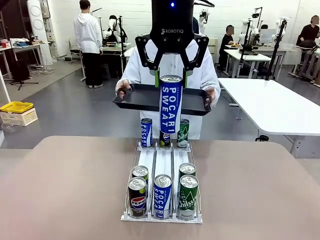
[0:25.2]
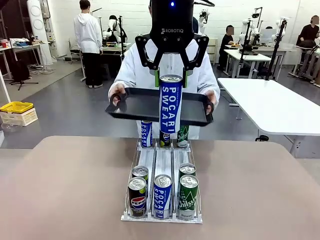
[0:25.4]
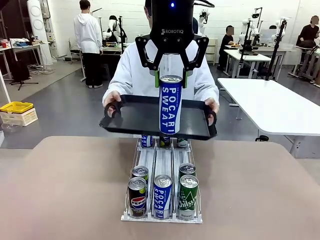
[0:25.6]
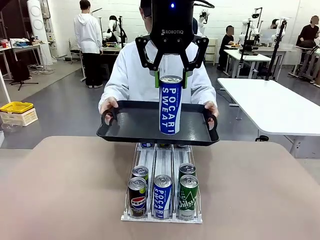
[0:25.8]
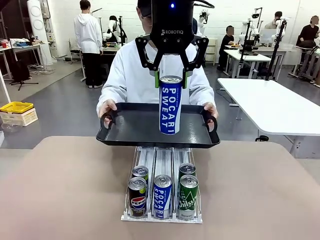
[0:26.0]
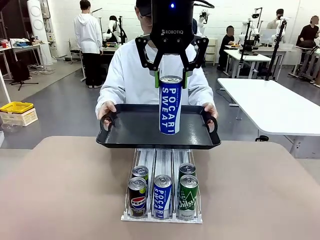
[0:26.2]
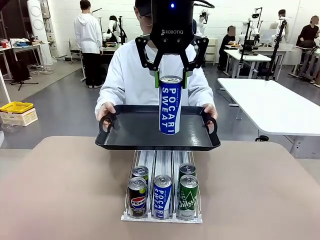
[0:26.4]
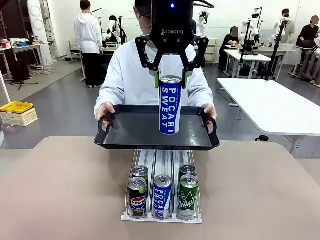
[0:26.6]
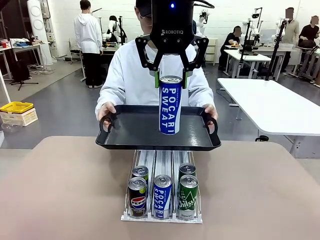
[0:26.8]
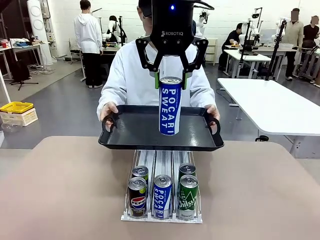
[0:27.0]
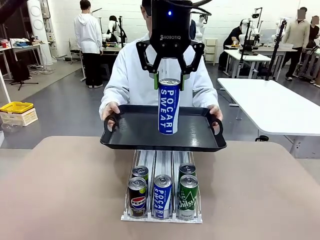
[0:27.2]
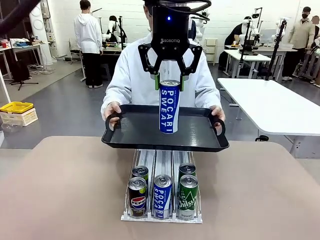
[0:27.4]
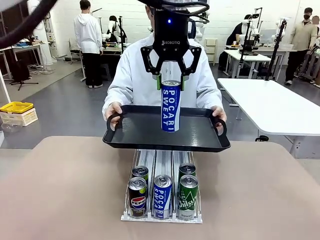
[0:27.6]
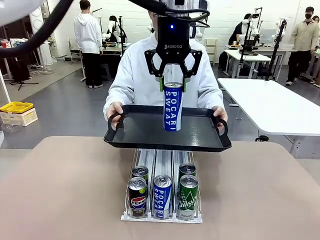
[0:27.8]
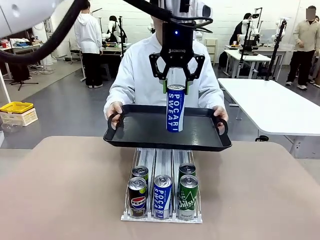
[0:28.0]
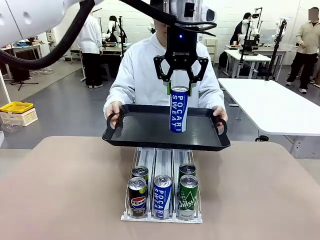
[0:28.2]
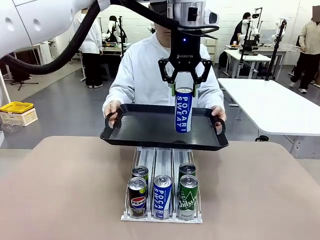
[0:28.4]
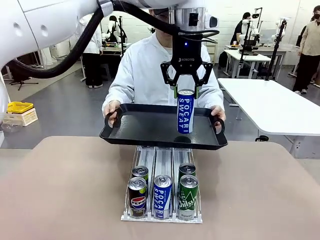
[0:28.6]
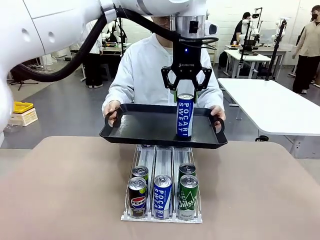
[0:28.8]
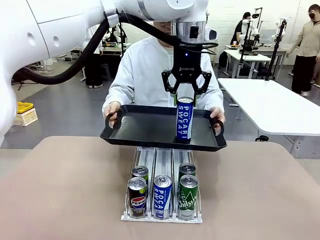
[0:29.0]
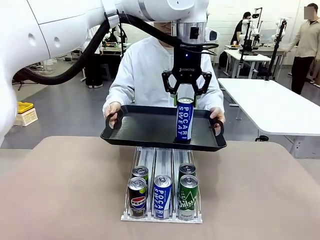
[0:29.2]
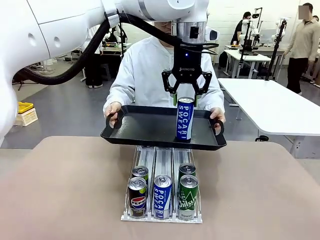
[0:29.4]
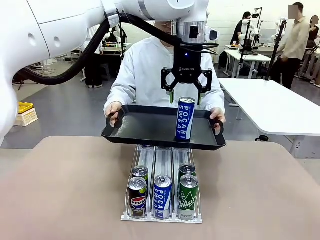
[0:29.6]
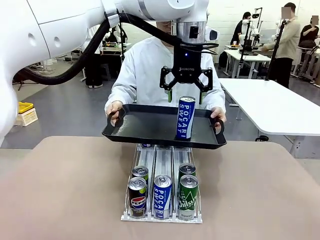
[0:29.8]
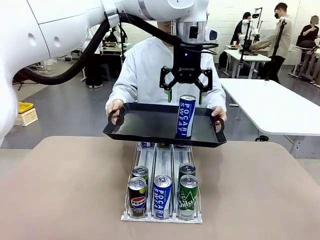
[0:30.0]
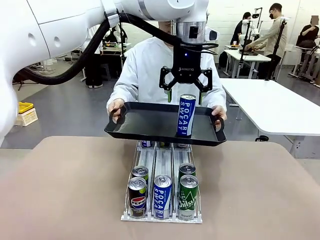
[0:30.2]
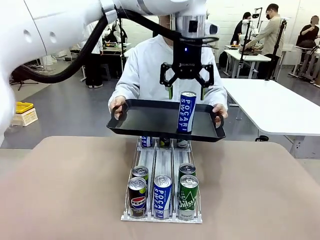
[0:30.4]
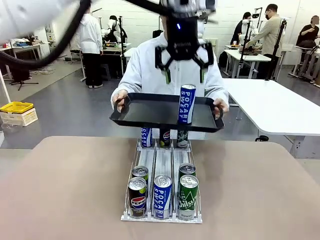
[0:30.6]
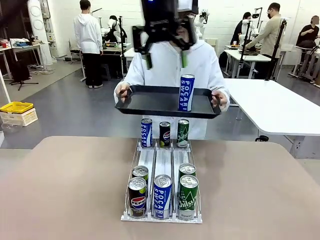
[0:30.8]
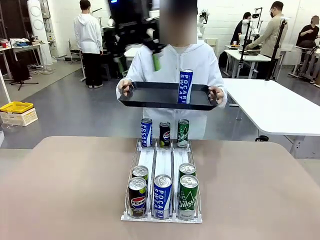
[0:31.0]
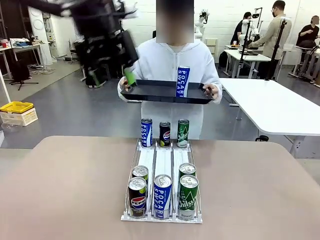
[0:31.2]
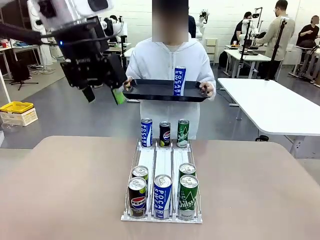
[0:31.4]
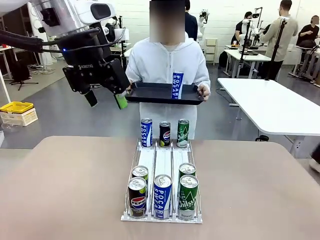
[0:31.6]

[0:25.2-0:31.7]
Task: Retrieve and hand over the desired beverage to the person.
Robot: Place the picked can on the Handle tray extended by the person.

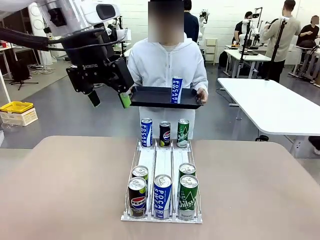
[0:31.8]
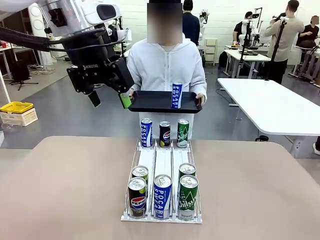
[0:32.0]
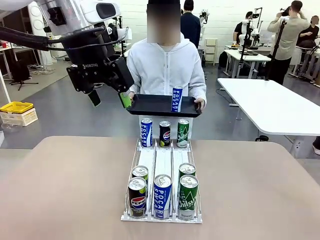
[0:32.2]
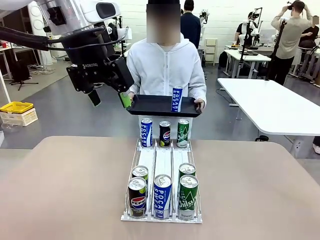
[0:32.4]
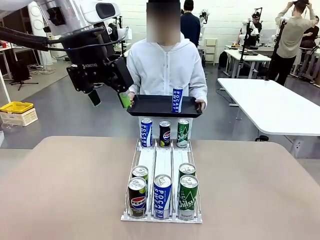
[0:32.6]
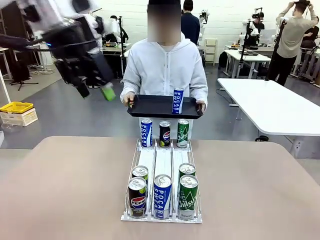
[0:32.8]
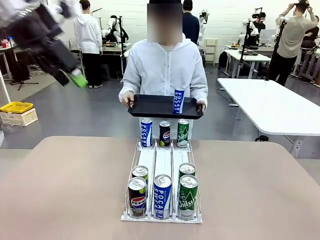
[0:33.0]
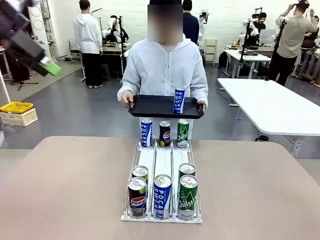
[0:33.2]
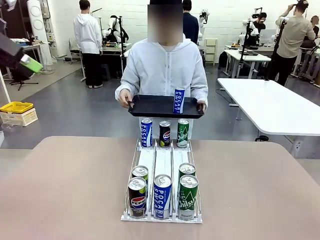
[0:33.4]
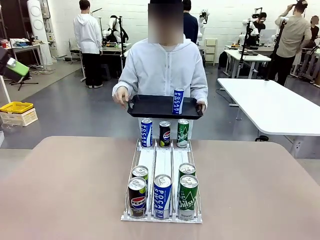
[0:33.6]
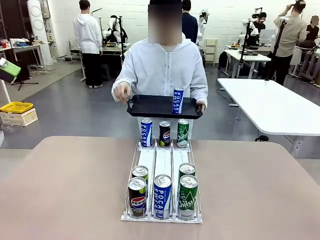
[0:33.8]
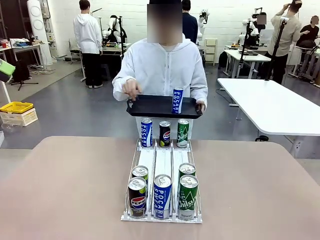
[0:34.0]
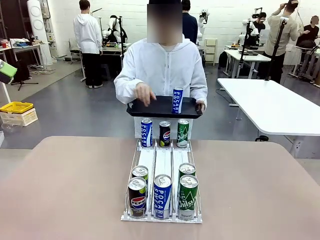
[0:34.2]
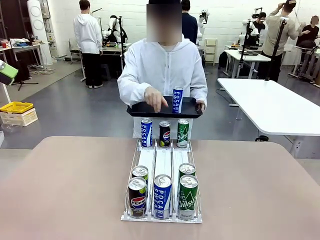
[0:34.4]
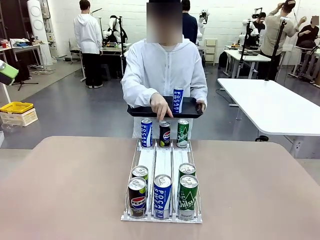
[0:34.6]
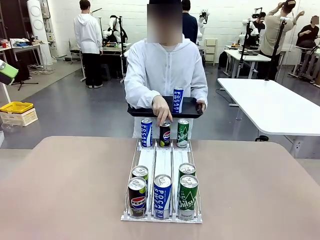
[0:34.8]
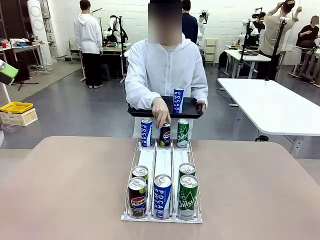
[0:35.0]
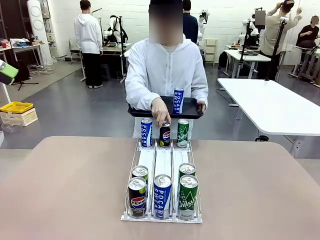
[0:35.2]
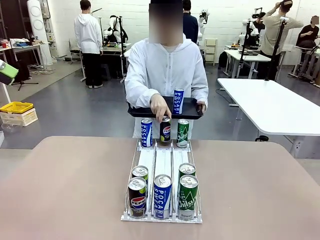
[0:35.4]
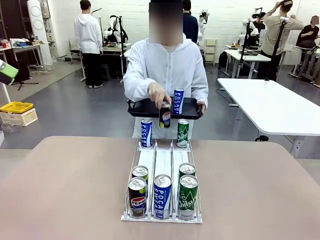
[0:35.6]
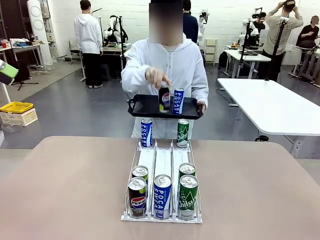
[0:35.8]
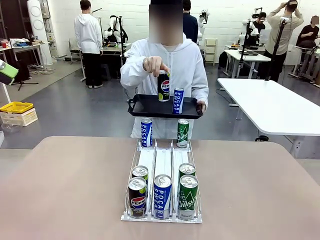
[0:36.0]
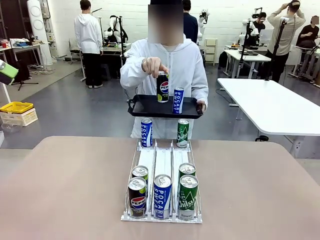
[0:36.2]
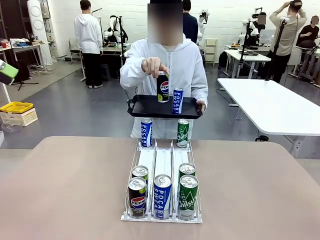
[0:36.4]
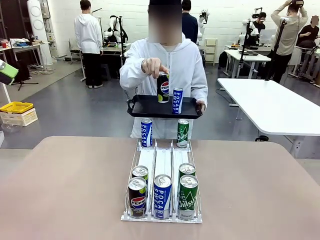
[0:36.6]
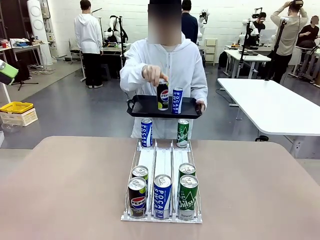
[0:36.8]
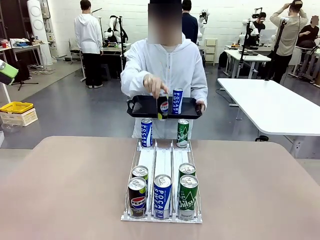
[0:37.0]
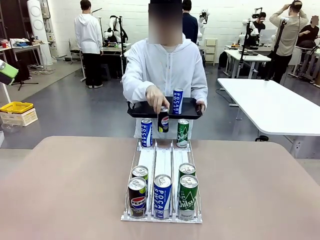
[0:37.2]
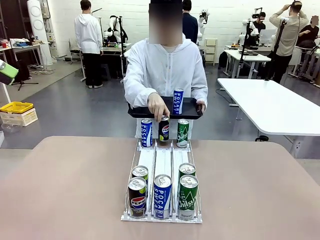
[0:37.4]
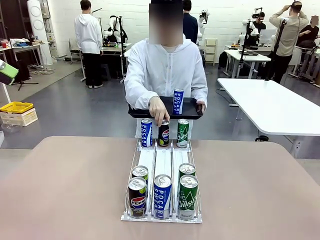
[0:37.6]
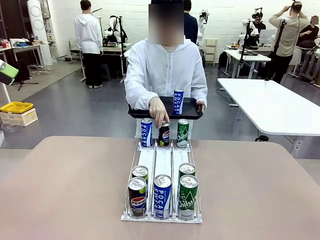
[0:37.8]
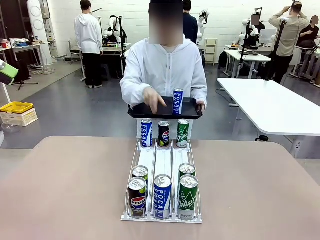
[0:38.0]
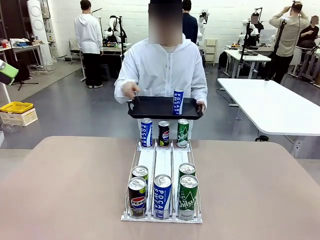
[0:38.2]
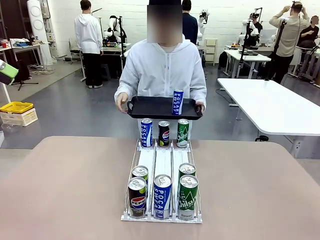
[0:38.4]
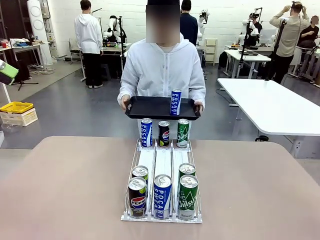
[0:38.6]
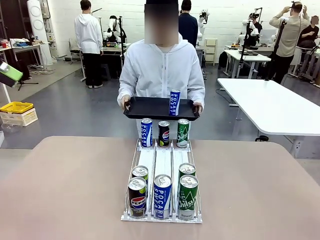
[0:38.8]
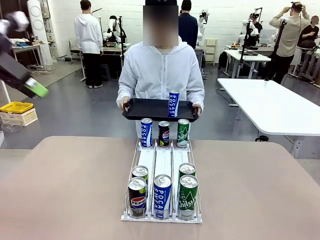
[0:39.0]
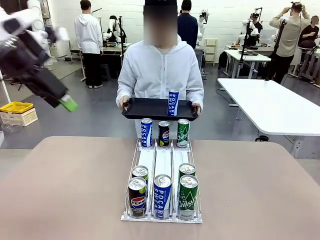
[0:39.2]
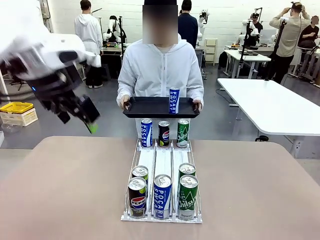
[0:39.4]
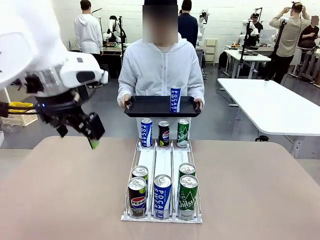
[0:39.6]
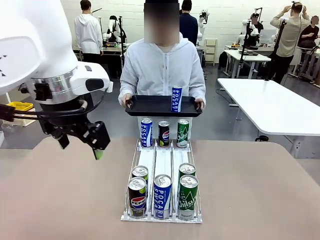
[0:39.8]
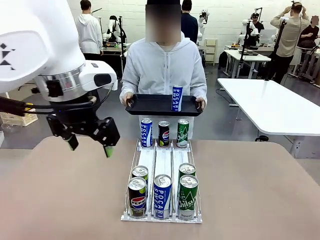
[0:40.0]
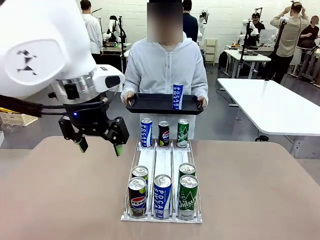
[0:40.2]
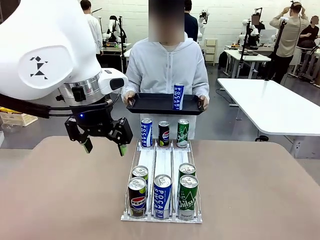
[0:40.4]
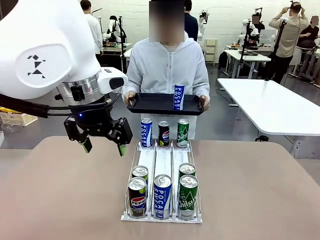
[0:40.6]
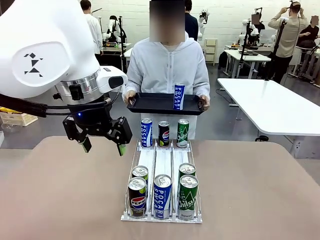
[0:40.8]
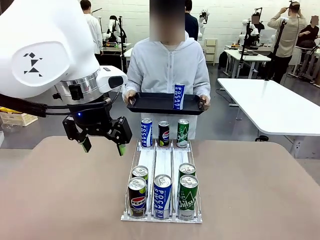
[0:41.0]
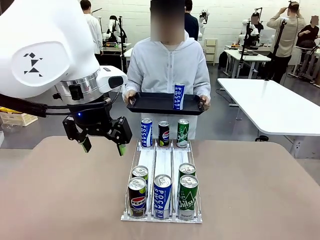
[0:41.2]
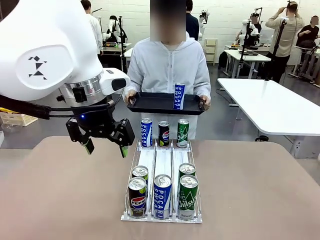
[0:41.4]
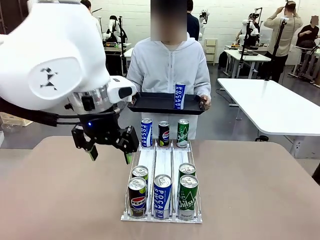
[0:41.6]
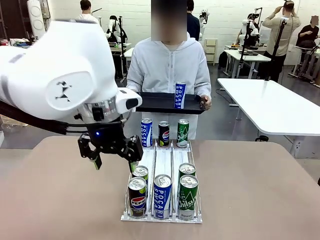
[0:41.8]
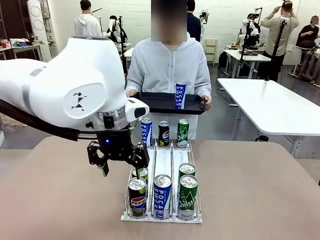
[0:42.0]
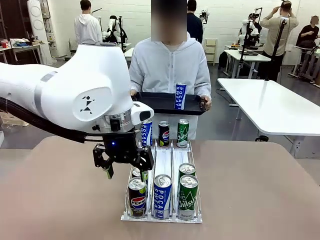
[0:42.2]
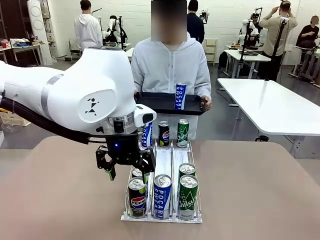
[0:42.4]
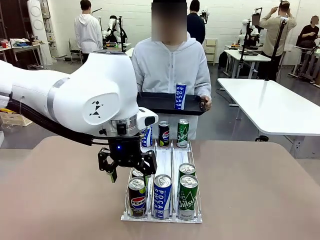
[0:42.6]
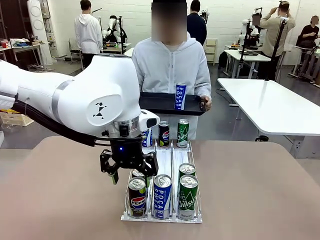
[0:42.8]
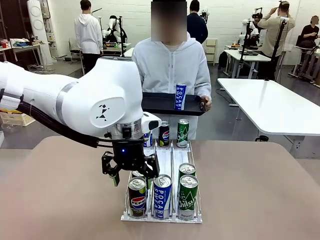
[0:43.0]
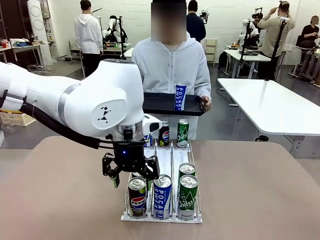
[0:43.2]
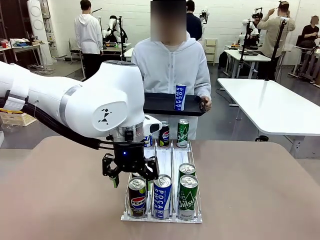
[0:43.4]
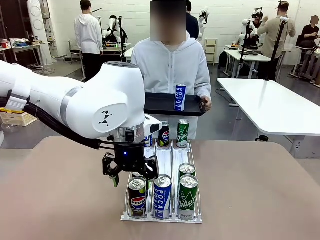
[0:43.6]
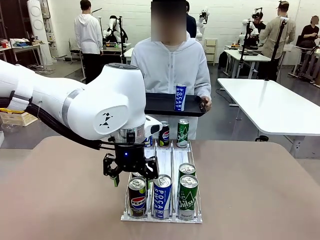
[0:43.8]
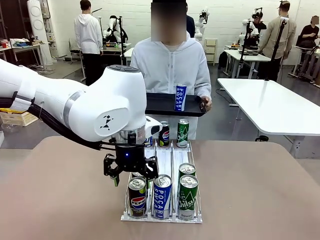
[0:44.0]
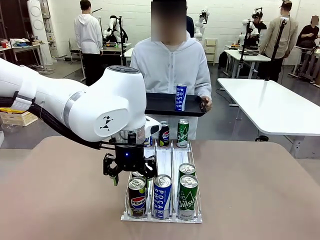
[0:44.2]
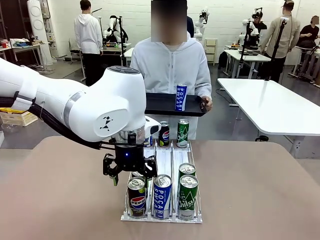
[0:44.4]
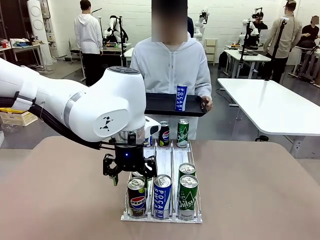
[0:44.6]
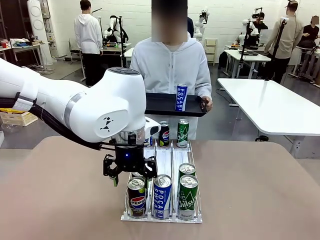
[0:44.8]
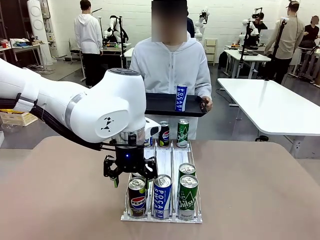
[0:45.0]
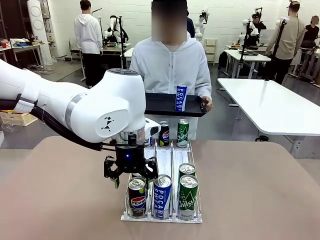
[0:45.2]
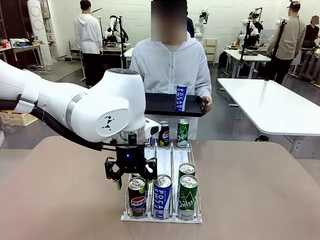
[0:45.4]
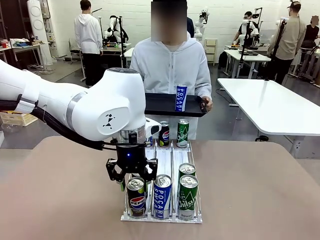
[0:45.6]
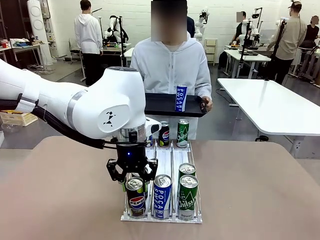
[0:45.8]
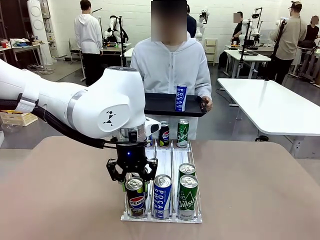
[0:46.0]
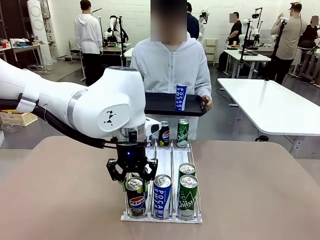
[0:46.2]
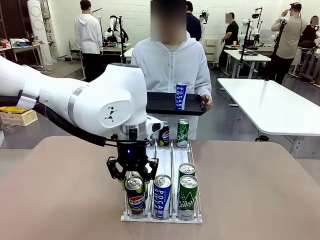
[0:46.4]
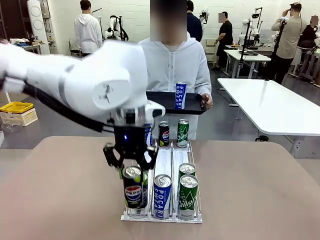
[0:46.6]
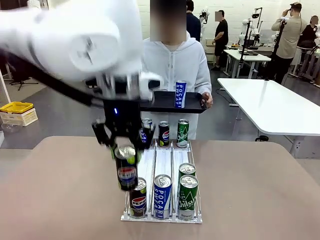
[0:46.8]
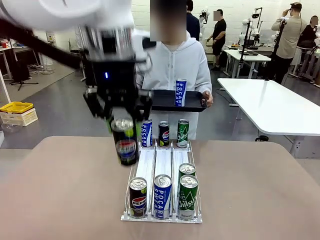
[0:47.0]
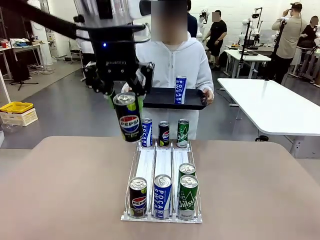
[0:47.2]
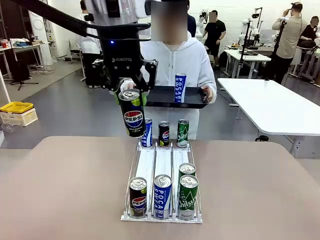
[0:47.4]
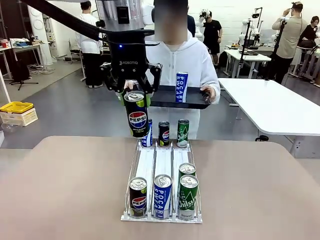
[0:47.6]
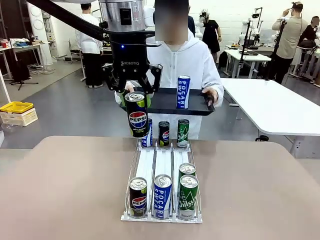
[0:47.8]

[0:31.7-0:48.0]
Robot: Pick up another can of the same type that the person held from the Automatic Can Dispenser.
Person: Pull the tray back, then pick up another can from the bottom area of the table and puts it back in its original place. Push the tray toward the robot again.
